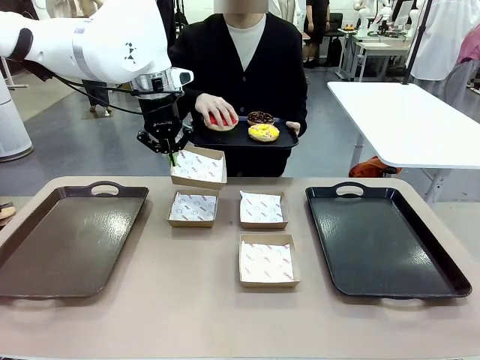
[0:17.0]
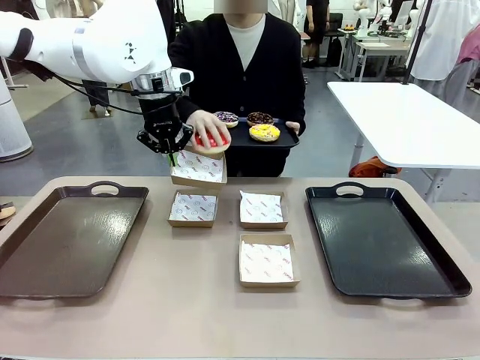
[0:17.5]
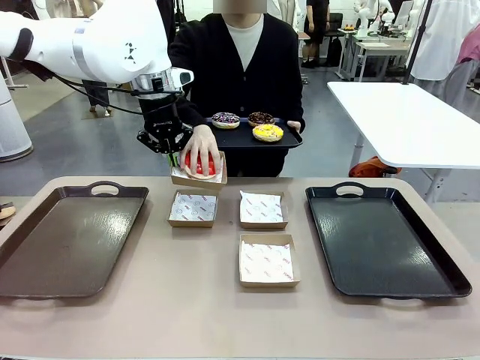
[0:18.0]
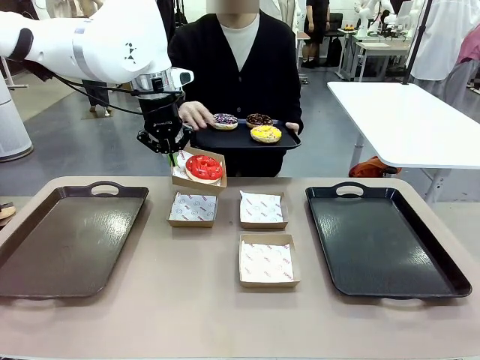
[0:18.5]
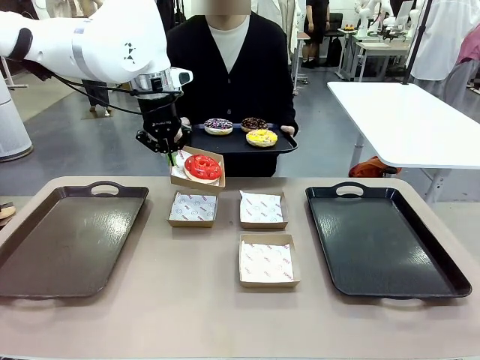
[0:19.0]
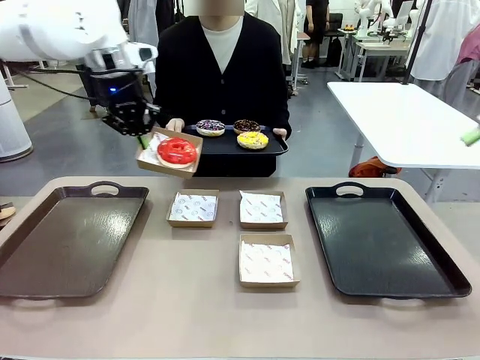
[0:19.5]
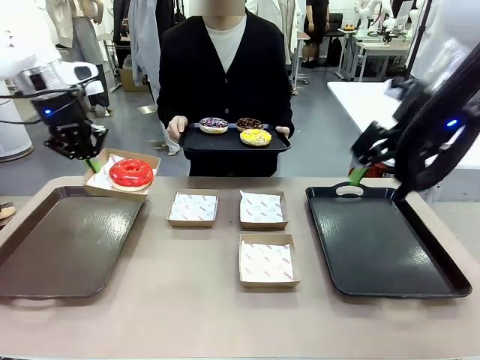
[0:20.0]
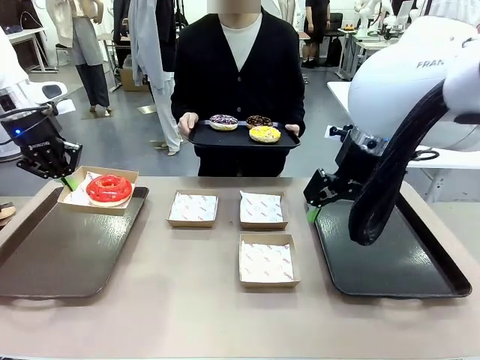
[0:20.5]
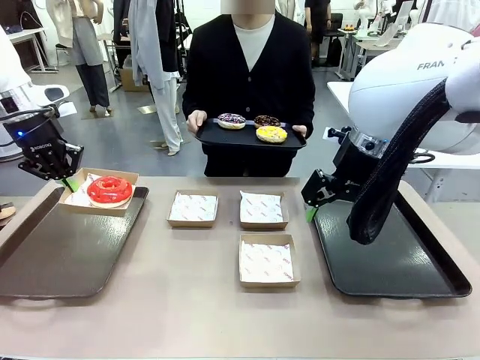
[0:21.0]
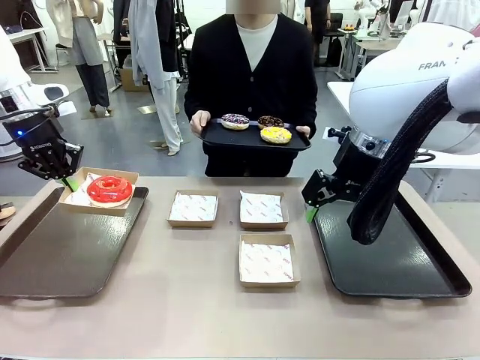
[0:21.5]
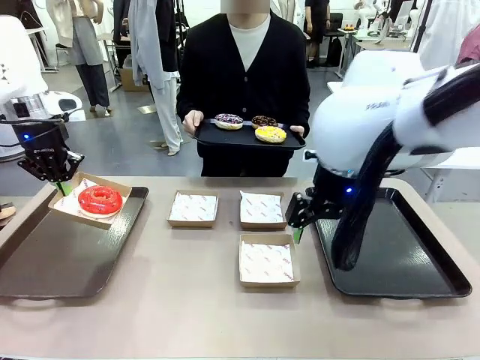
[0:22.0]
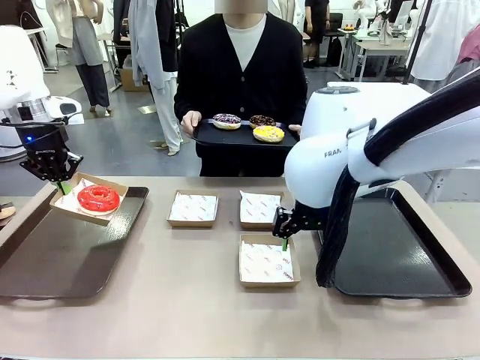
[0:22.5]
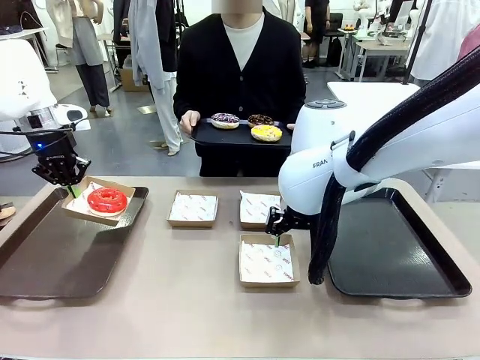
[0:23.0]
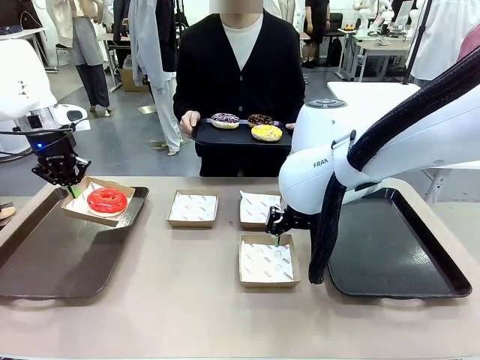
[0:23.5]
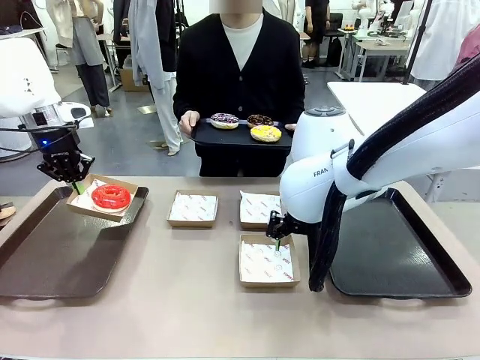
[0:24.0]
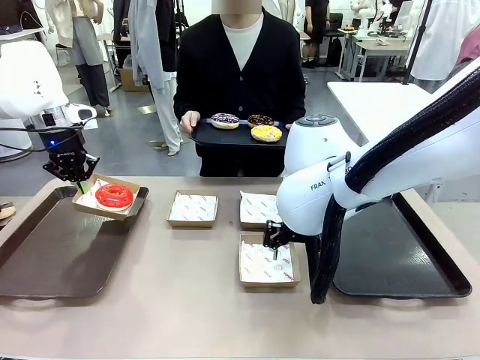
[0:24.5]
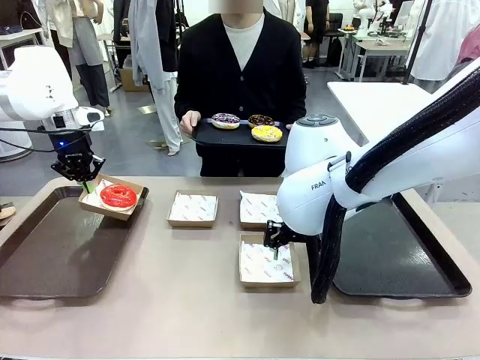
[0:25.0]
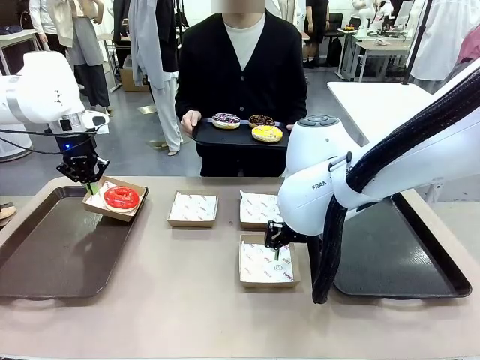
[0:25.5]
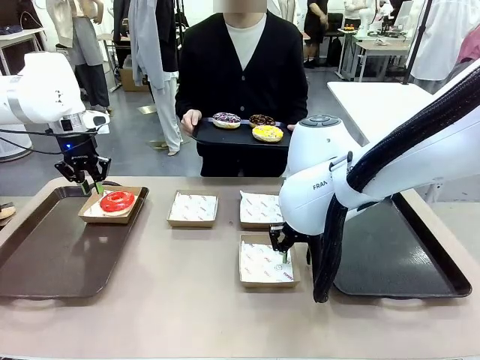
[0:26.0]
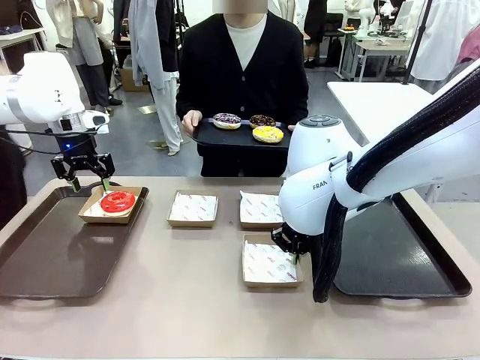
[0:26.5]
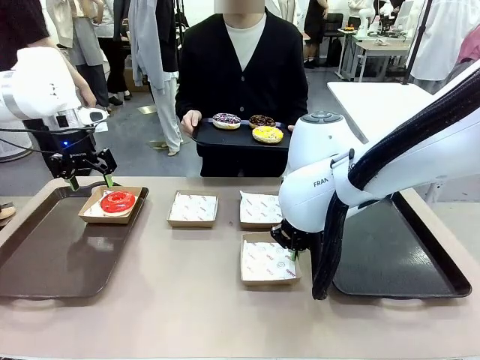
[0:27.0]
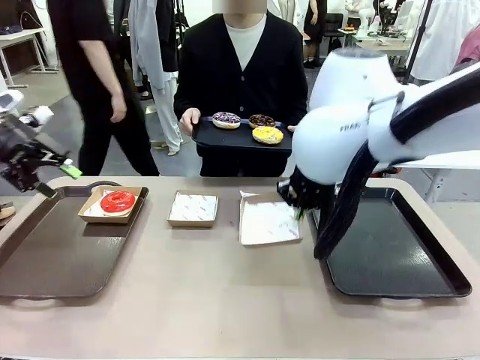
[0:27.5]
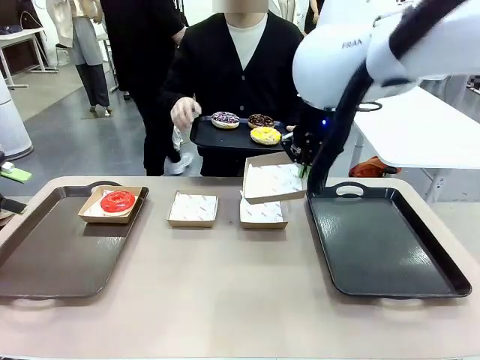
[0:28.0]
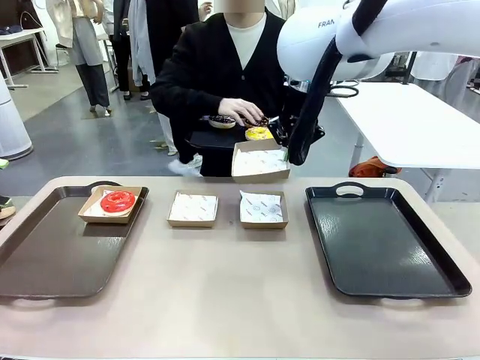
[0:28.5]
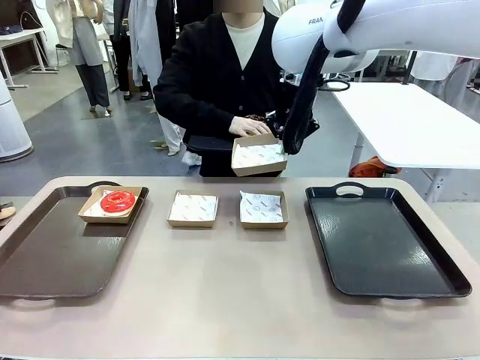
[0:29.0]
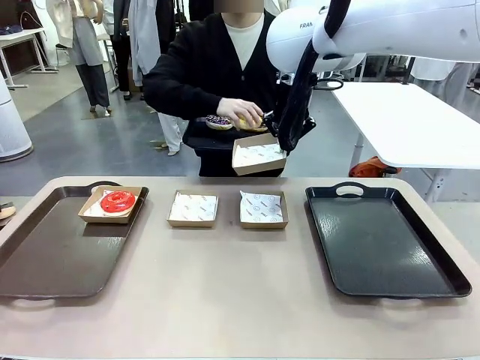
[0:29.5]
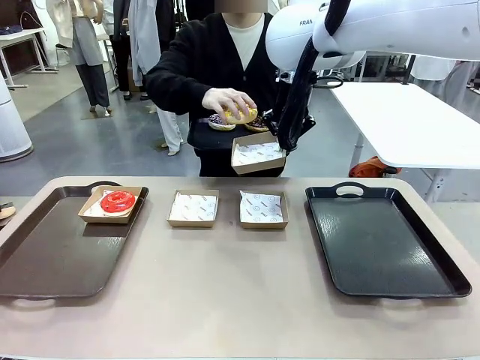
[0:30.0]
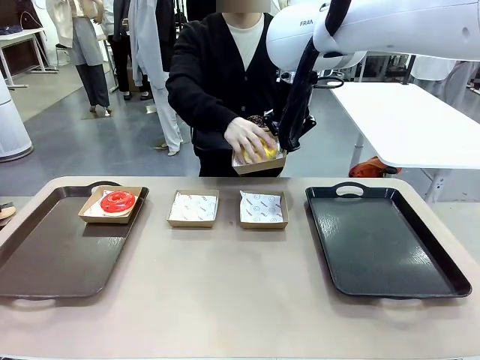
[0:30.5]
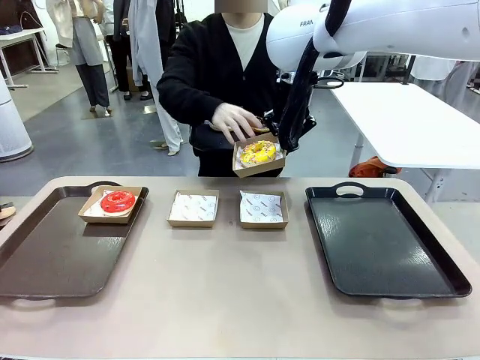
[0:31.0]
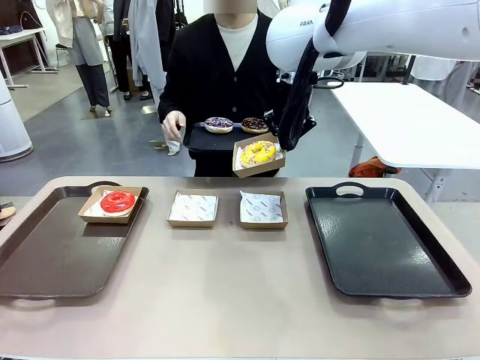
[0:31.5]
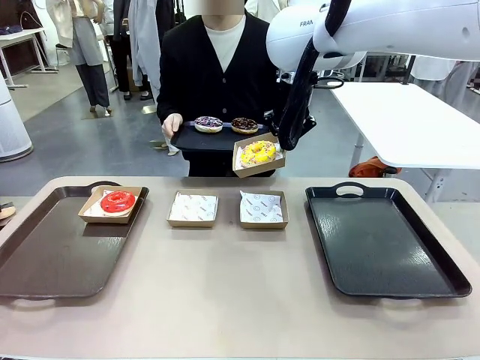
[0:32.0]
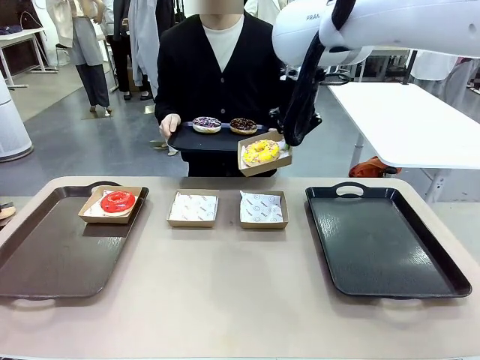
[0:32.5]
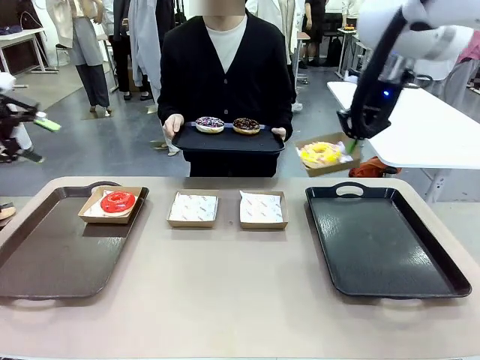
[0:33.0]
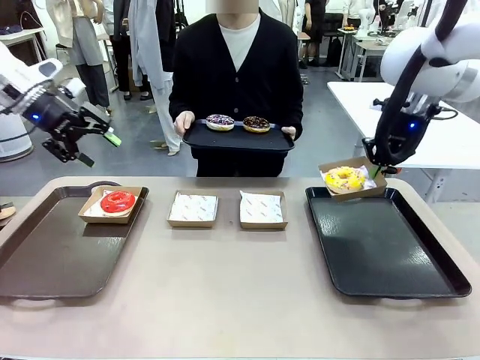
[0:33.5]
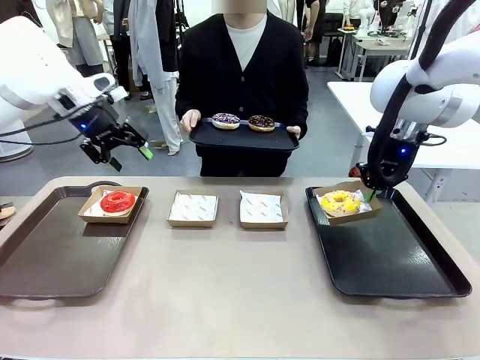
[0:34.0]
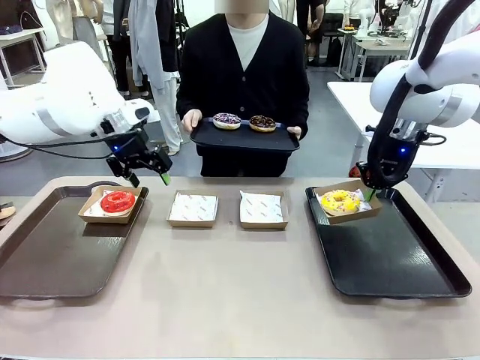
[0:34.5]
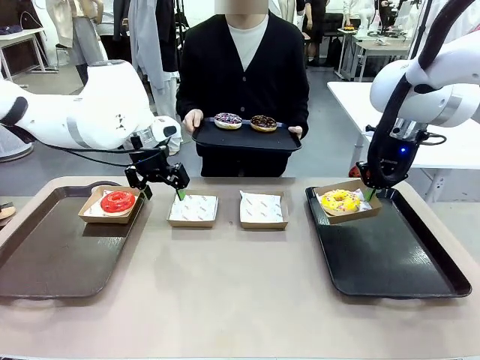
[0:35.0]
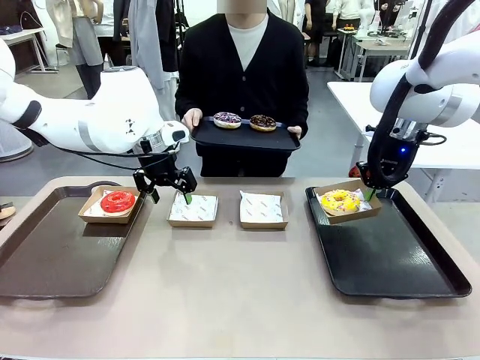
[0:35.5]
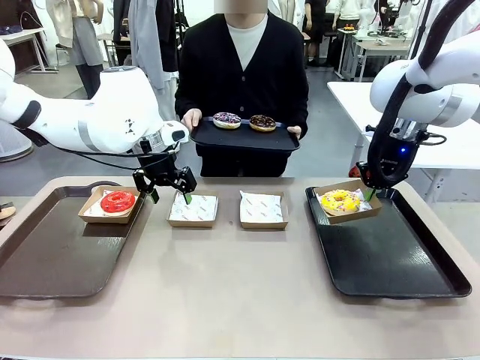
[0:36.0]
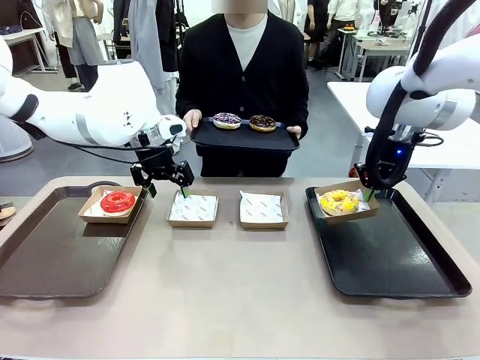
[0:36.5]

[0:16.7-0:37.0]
Task: Individually package the donuts and arrange them on the tray.
Robot: Place the picked Paper togo box on the Handle tray while simultaneously picking up another Paper togo box from the table with the other hand.
